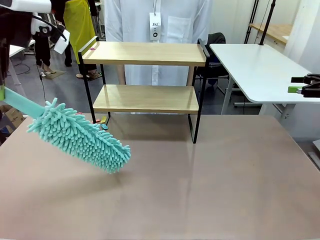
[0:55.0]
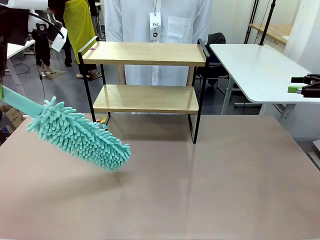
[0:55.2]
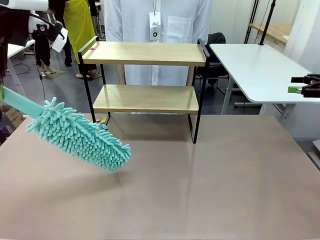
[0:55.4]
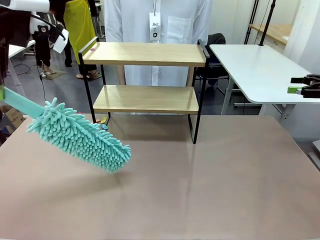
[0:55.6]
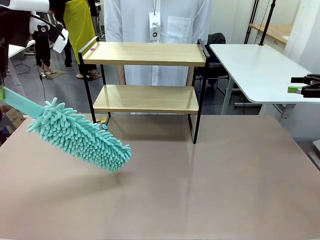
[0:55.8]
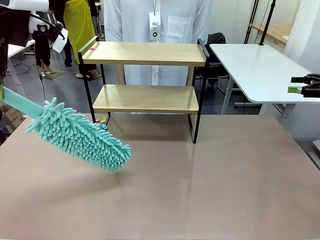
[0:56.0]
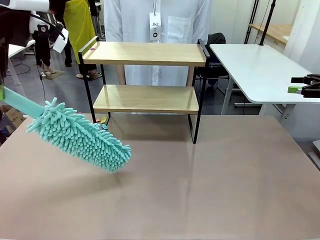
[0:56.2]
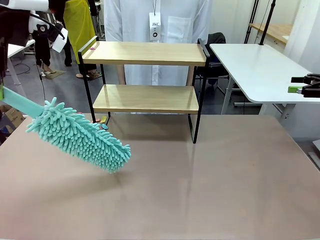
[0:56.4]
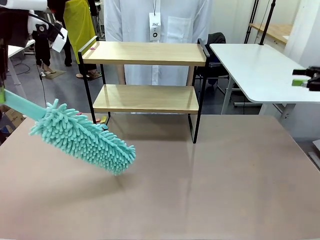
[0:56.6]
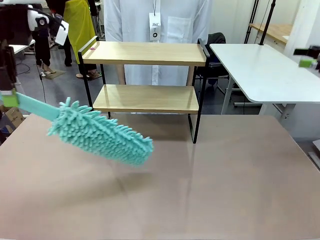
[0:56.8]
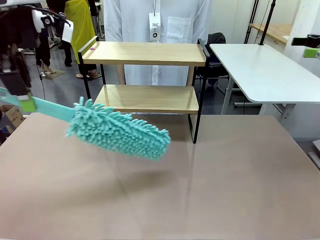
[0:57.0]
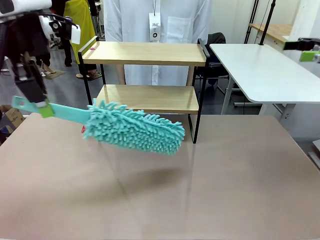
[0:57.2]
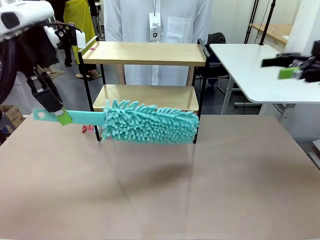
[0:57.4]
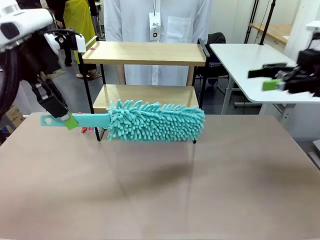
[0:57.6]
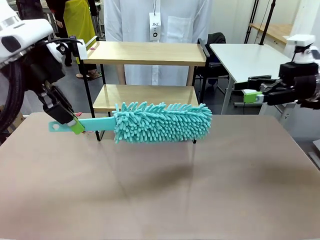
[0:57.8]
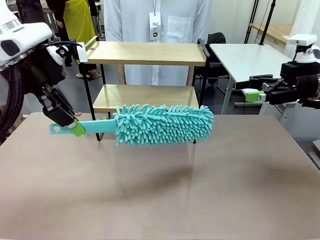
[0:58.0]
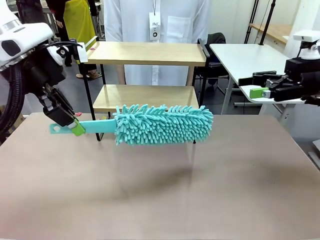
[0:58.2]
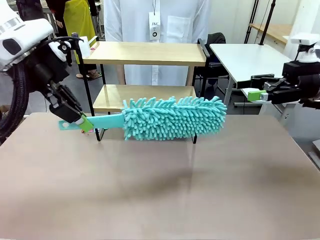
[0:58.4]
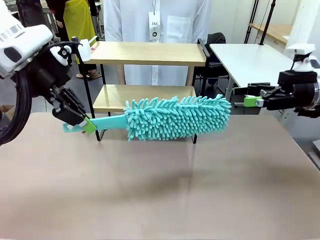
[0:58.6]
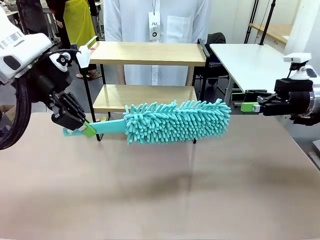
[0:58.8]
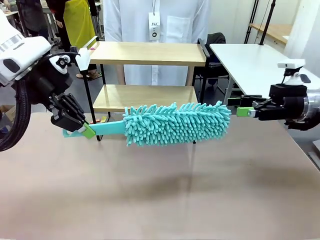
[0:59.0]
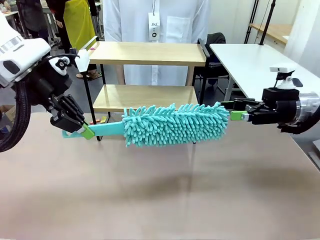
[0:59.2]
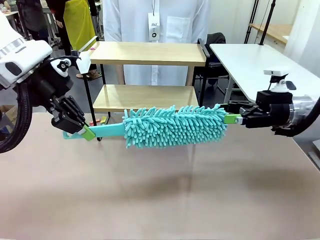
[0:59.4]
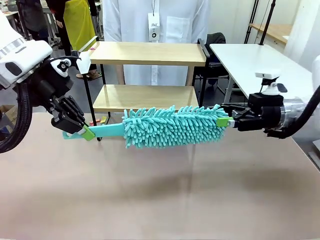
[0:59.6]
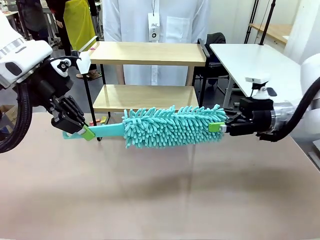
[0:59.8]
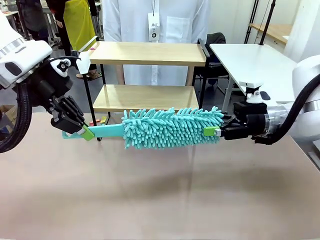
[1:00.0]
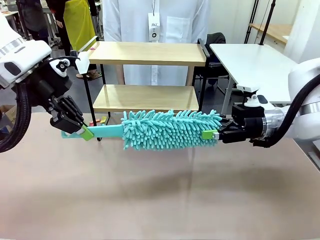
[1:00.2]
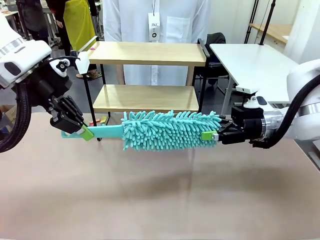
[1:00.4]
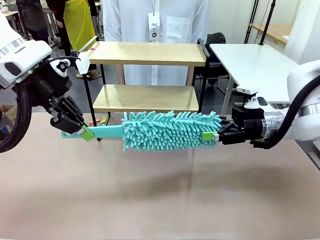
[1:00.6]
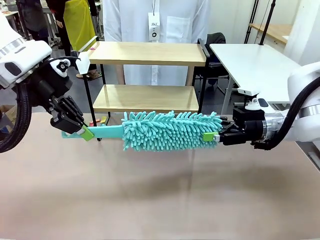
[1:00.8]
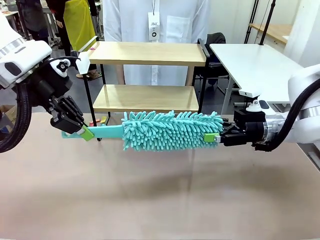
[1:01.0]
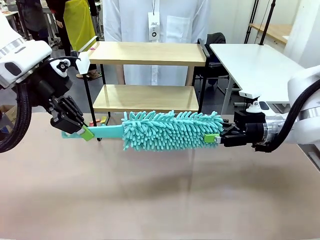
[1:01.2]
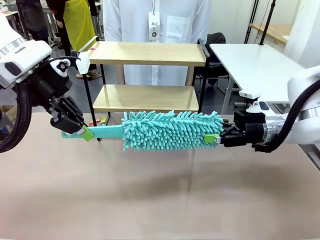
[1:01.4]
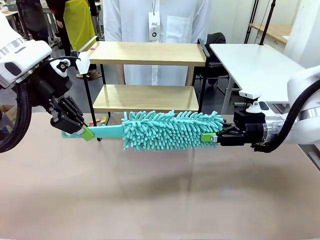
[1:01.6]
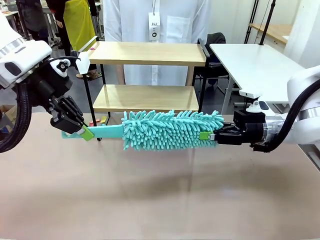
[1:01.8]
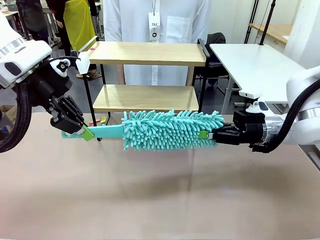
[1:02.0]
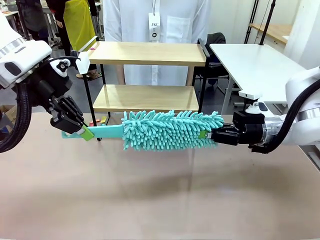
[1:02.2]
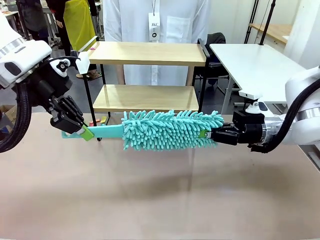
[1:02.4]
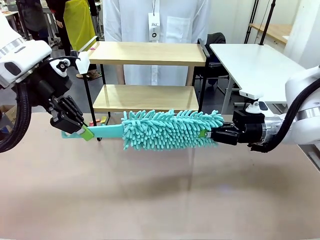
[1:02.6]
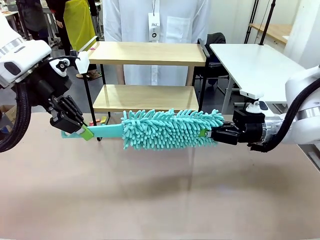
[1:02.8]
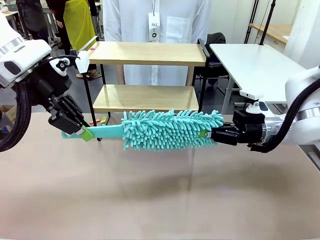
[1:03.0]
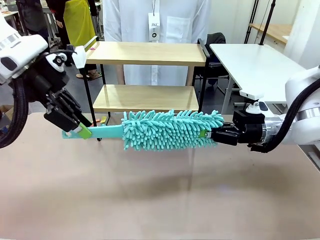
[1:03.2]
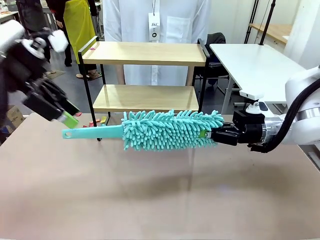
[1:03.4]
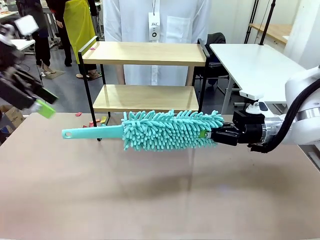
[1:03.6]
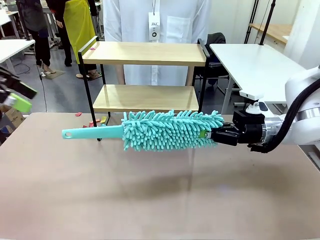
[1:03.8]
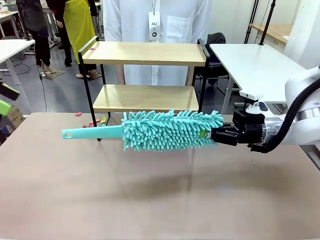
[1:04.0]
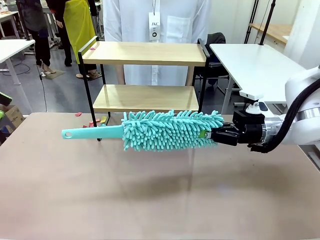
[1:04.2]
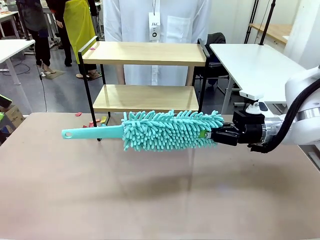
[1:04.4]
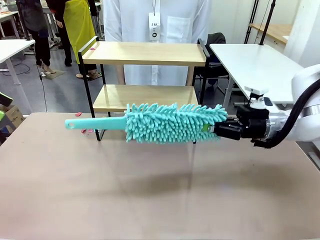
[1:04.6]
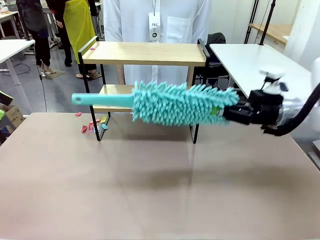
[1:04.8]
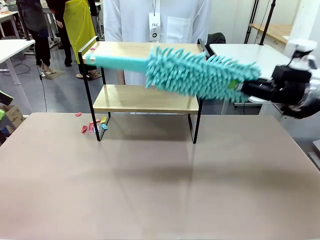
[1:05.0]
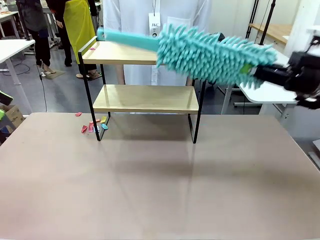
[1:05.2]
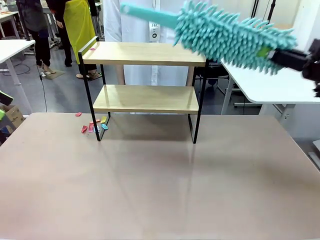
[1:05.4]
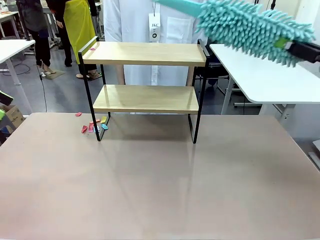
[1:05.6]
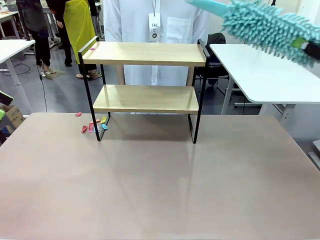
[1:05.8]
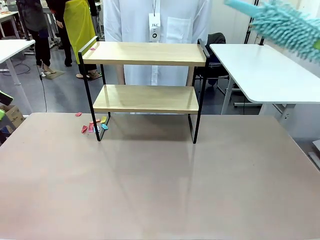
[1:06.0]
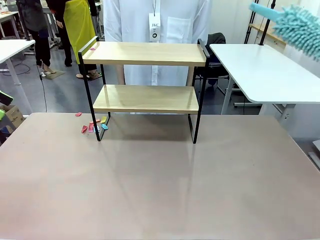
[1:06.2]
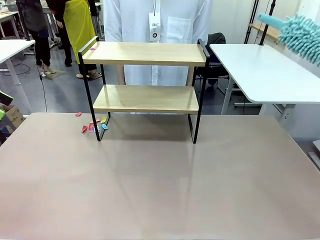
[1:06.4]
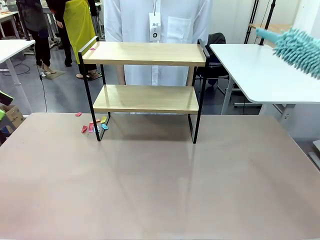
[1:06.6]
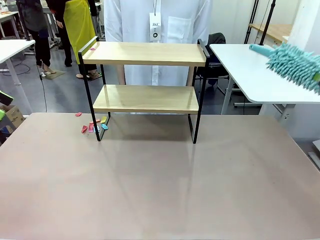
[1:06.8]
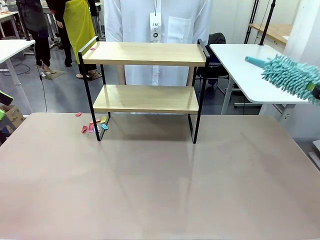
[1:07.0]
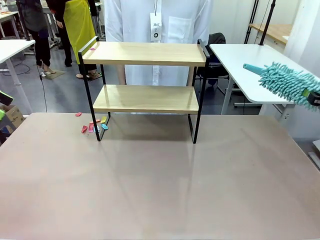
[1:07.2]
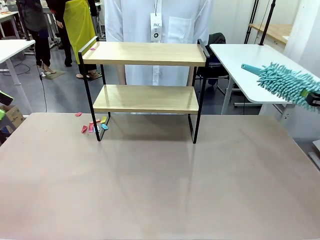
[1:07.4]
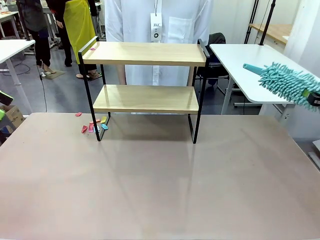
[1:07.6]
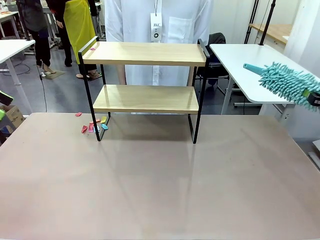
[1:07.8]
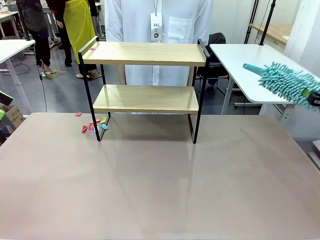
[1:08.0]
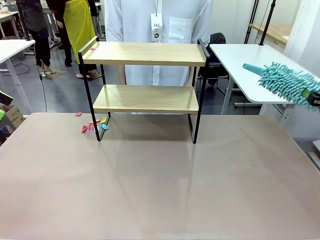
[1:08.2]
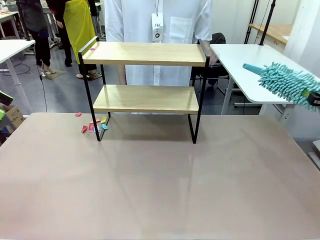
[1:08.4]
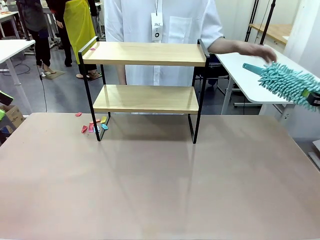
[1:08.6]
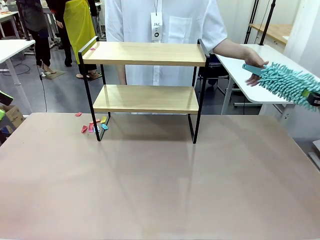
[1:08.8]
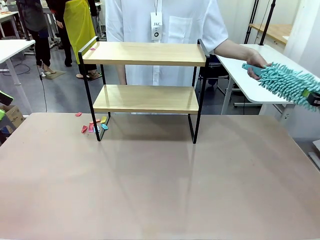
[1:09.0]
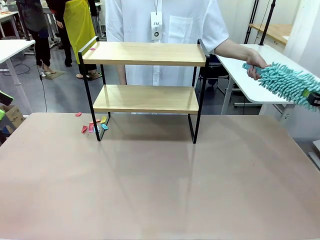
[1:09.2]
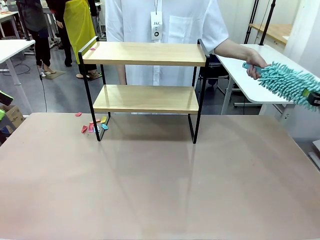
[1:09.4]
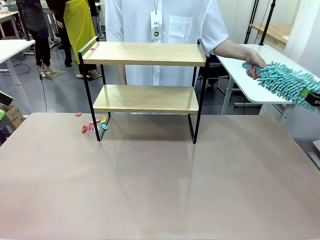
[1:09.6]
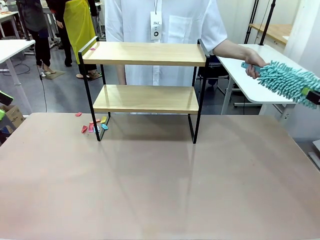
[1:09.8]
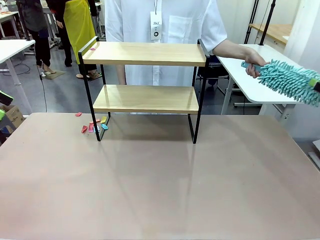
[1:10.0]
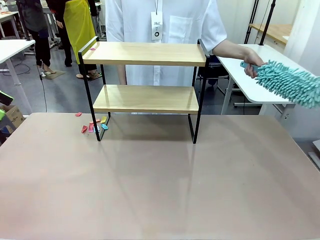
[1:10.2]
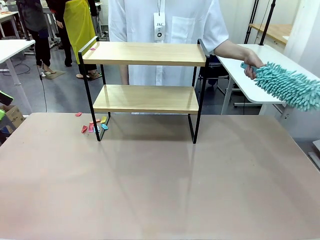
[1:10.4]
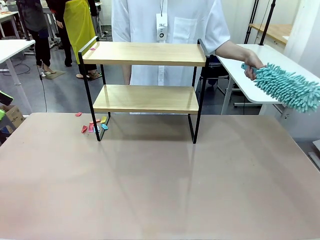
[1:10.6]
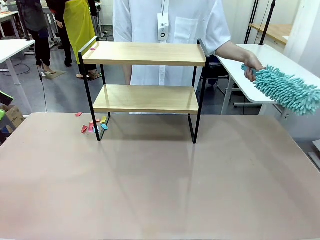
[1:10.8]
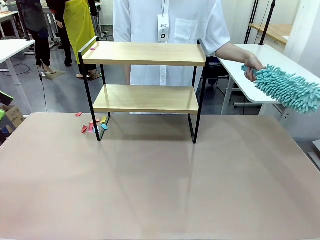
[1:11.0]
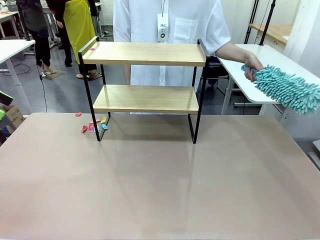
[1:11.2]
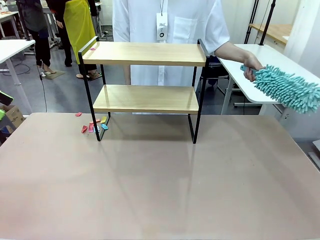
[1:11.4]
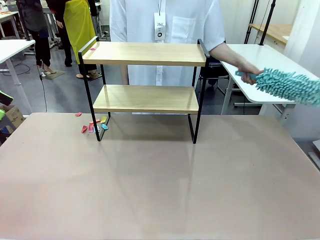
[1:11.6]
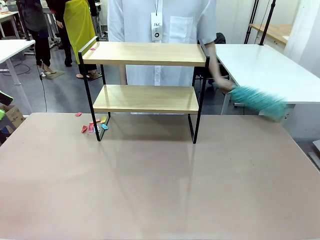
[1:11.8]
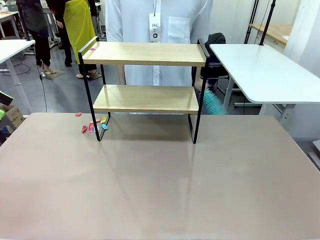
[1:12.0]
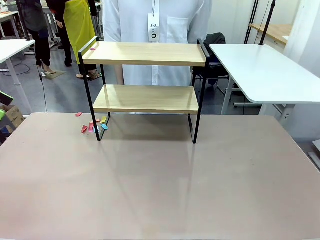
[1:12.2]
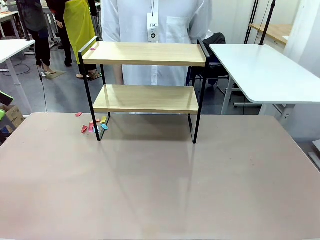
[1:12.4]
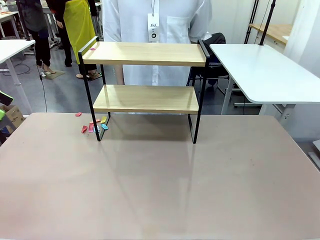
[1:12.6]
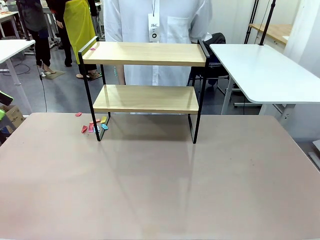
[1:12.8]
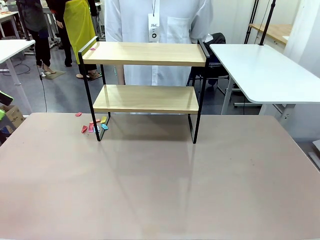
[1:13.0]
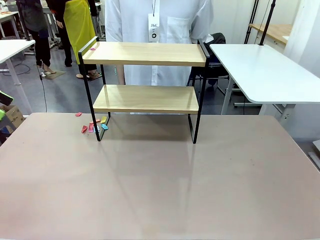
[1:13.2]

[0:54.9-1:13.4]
Task: Clean the shelf.
Robot: Hand the Duster back to the human.
Person: Receive the Duster from the robot.
